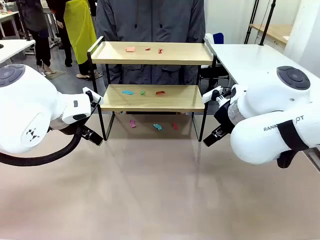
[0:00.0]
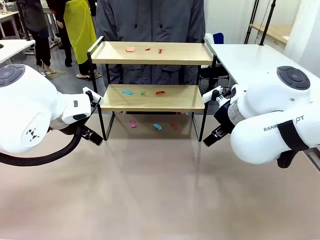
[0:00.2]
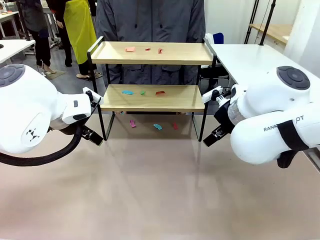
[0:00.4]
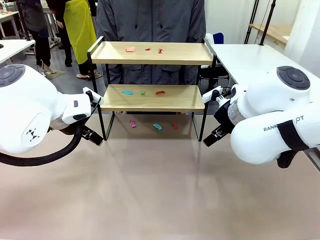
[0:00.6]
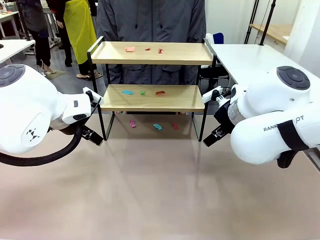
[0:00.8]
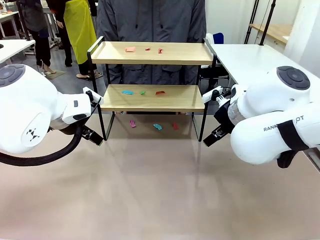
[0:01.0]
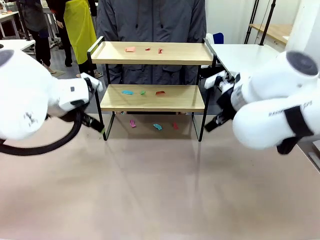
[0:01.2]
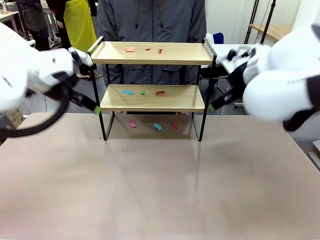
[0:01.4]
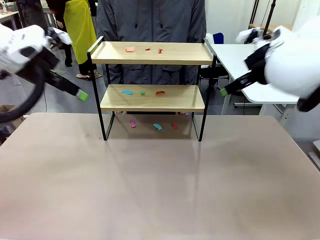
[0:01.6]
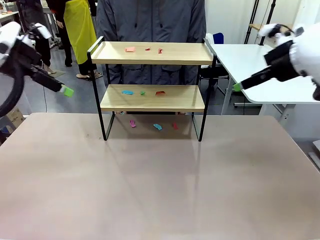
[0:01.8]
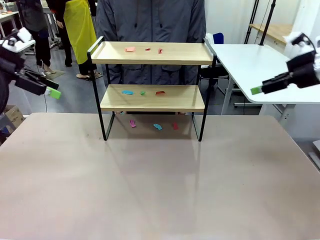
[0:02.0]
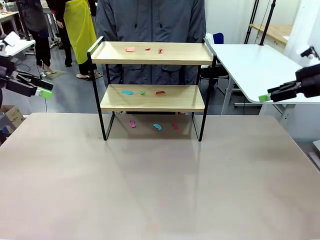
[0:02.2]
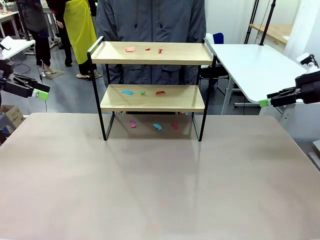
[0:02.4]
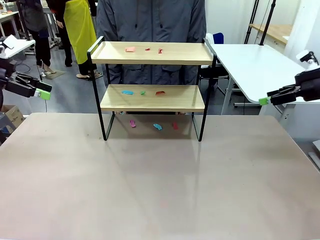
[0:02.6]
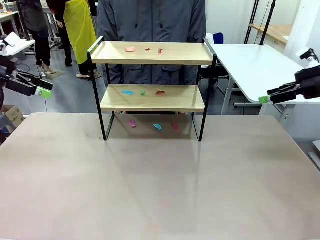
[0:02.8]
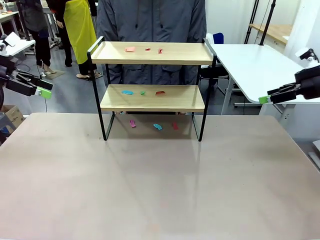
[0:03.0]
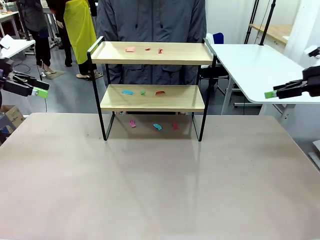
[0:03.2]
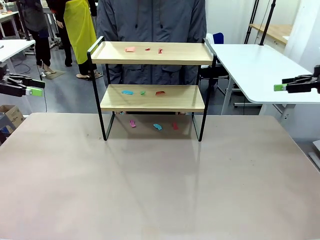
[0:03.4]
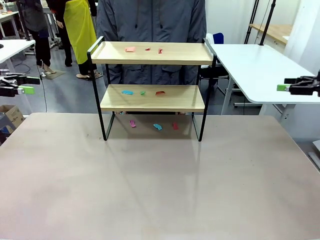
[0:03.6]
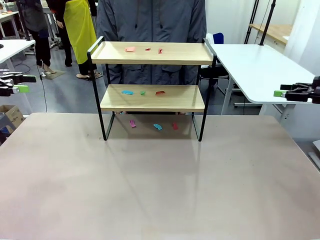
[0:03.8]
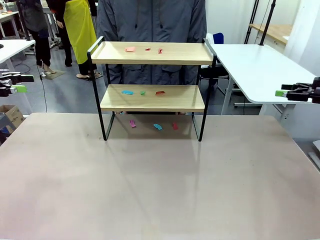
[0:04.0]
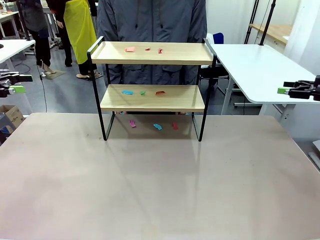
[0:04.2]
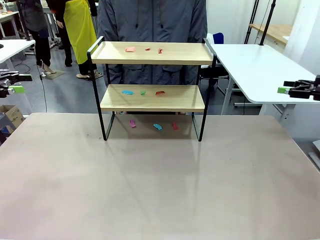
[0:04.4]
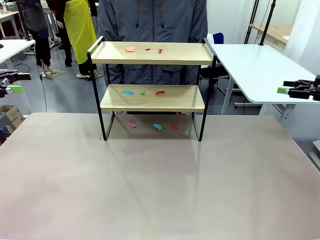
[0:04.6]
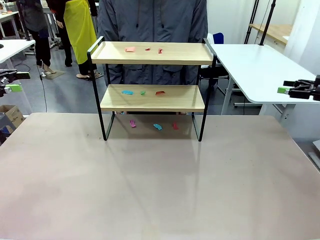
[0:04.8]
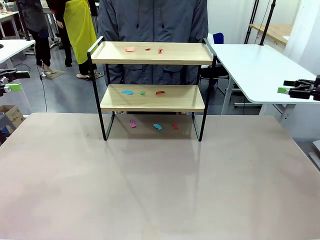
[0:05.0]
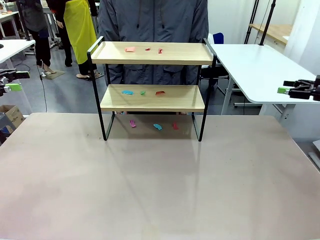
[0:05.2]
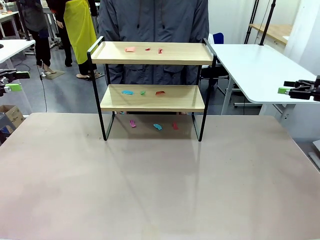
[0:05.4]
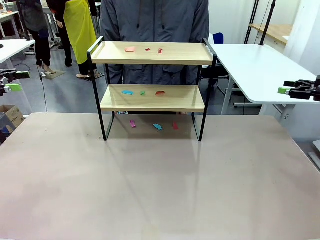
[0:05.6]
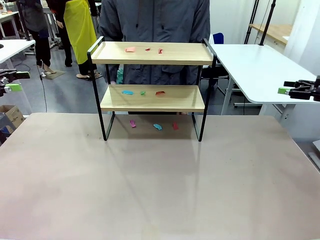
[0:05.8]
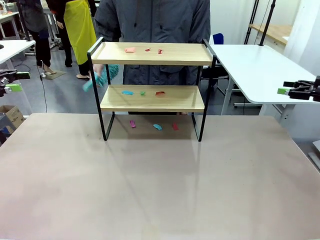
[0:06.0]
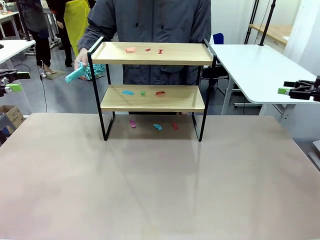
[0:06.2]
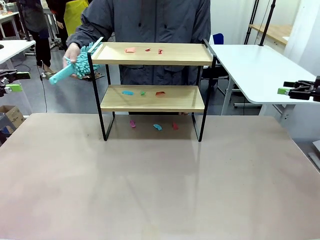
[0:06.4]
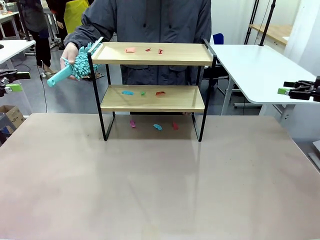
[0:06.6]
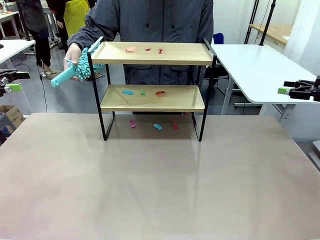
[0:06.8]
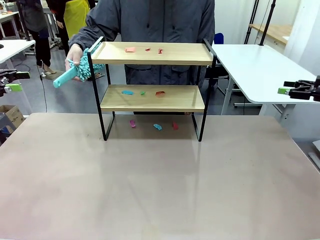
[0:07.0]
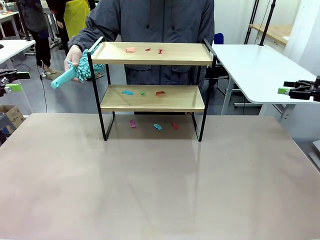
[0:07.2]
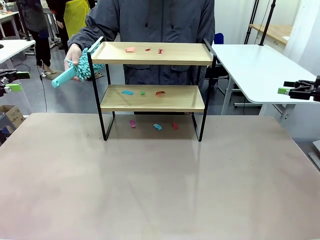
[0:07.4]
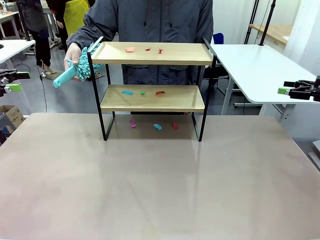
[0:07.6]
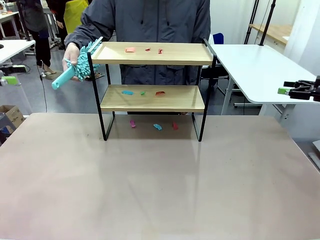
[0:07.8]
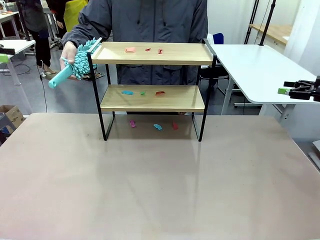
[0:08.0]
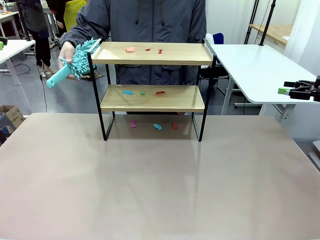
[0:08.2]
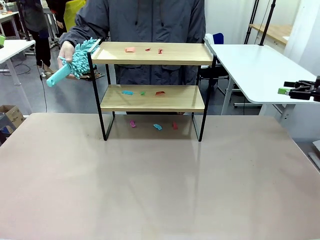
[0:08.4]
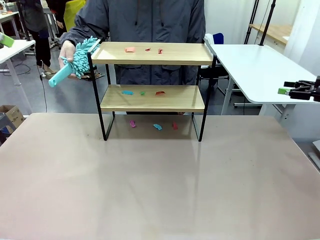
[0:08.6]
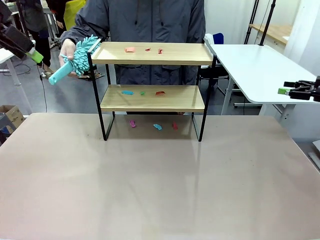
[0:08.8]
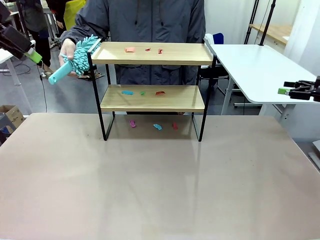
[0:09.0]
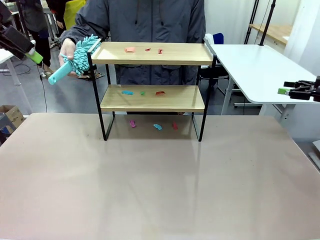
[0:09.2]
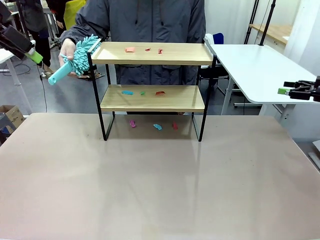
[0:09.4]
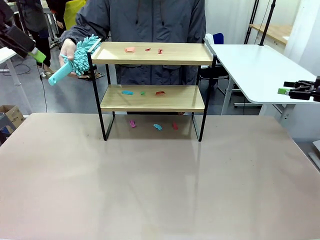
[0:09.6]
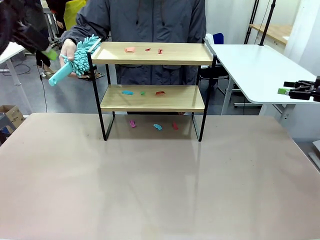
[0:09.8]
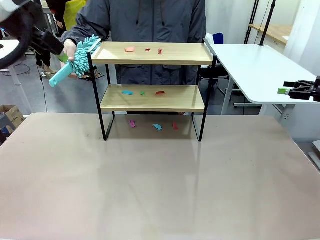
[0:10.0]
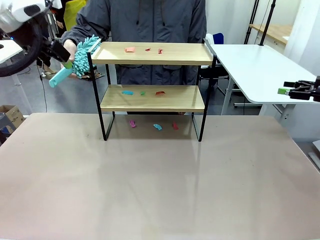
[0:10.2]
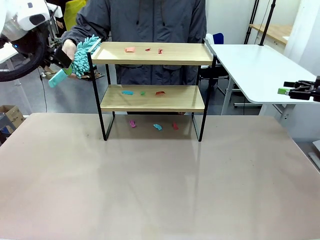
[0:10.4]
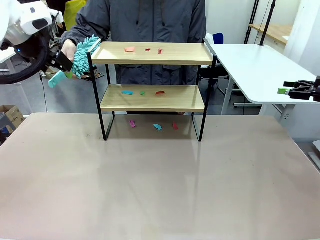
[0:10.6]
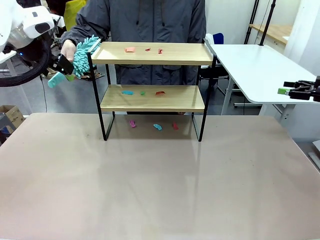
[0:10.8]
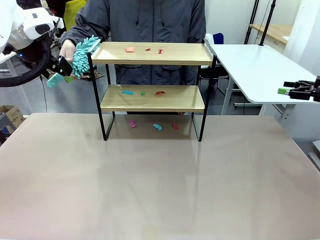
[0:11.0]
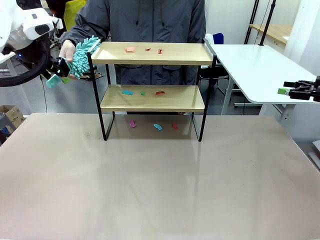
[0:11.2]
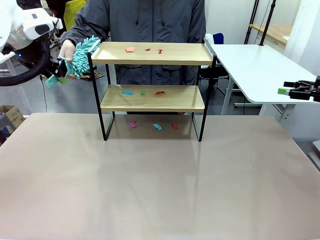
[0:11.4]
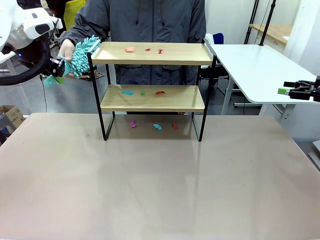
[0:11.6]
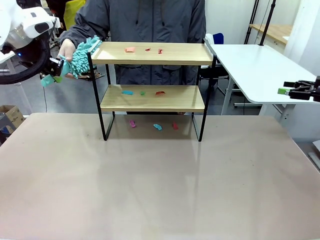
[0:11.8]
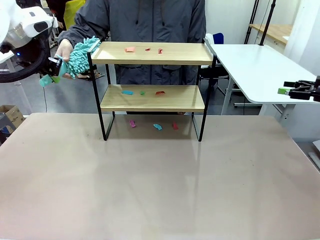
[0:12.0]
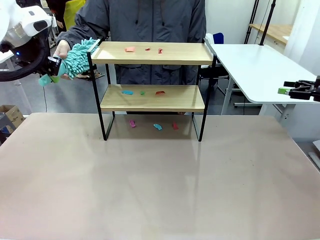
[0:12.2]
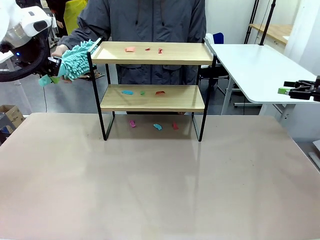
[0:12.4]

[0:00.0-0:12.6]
Task: Clean the shelf.
Robot: Pick up the Duster handed by the human.
Person: Hand the Duster to the robot.

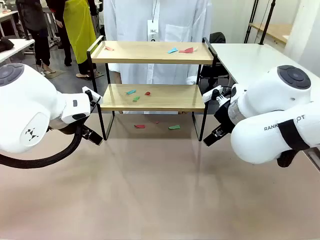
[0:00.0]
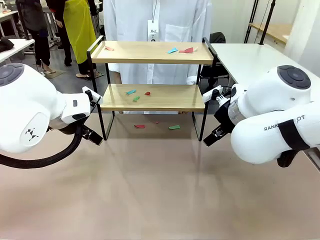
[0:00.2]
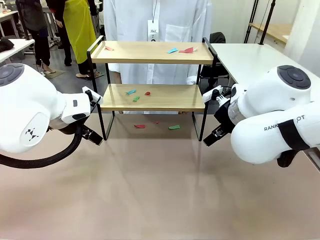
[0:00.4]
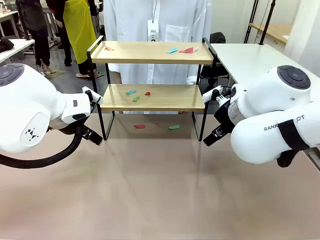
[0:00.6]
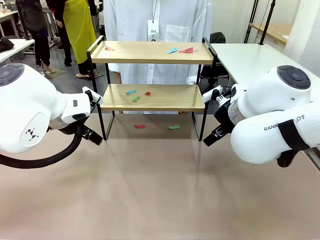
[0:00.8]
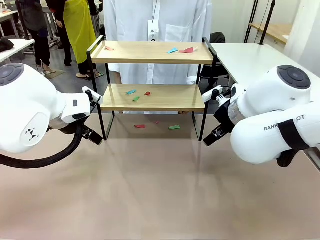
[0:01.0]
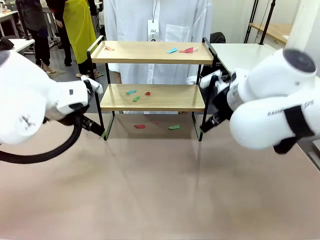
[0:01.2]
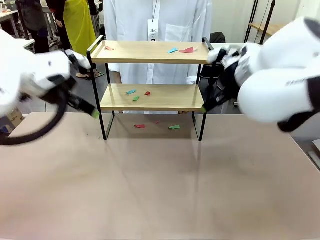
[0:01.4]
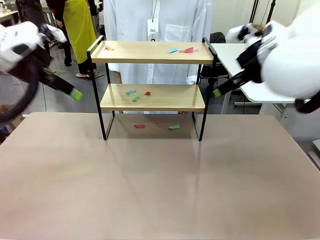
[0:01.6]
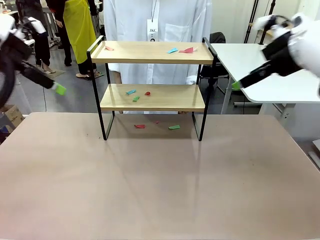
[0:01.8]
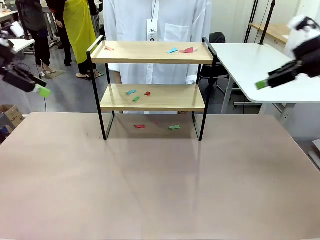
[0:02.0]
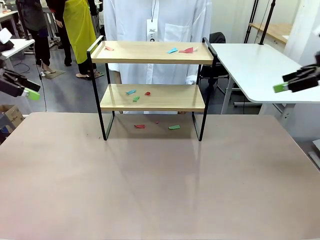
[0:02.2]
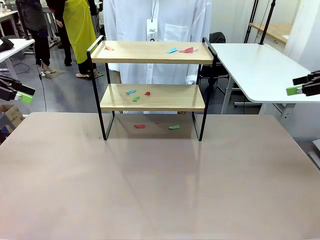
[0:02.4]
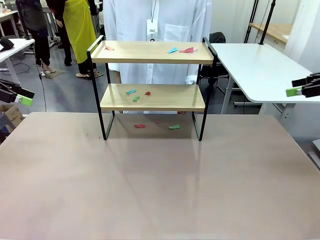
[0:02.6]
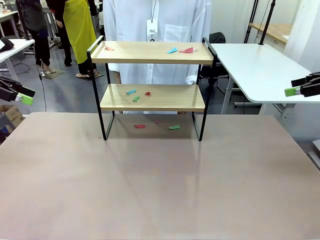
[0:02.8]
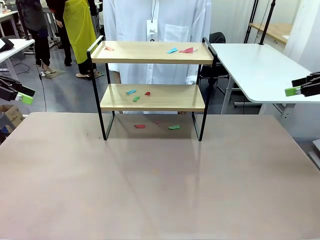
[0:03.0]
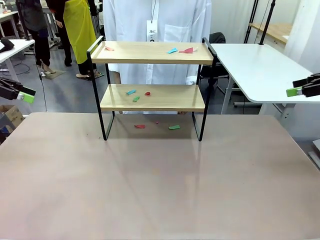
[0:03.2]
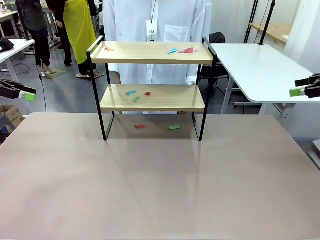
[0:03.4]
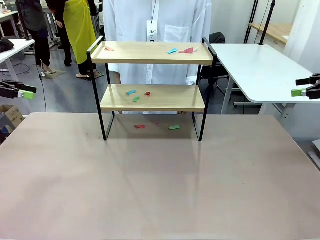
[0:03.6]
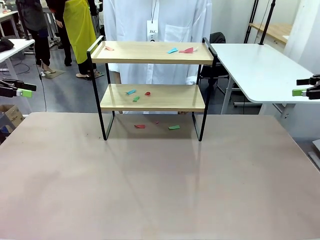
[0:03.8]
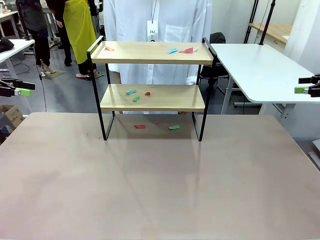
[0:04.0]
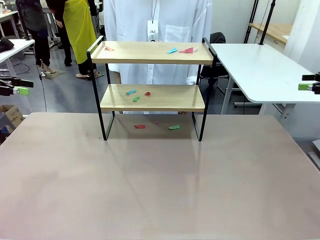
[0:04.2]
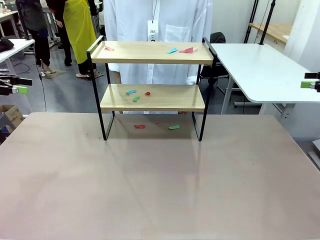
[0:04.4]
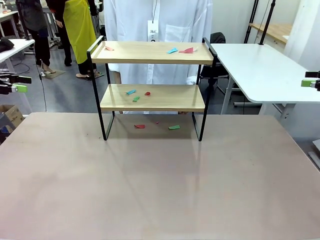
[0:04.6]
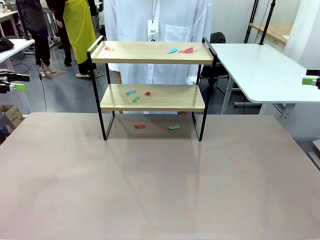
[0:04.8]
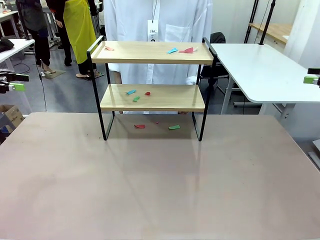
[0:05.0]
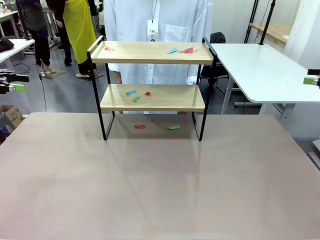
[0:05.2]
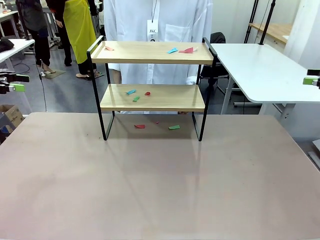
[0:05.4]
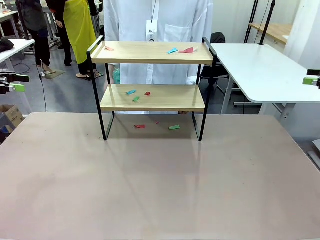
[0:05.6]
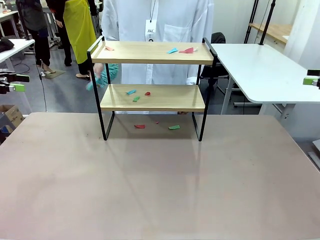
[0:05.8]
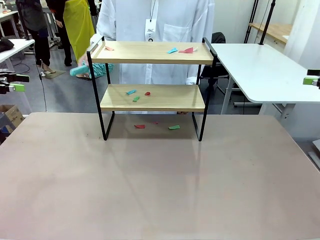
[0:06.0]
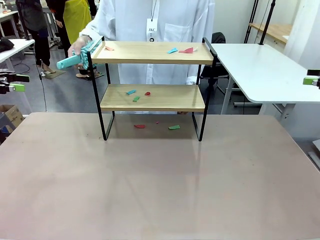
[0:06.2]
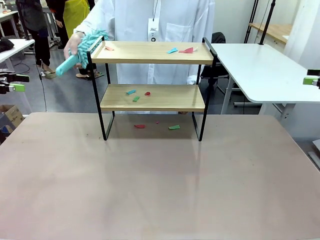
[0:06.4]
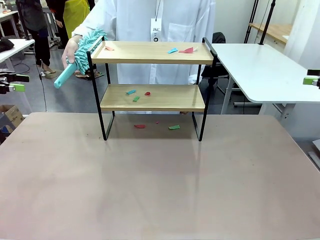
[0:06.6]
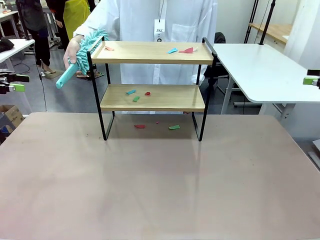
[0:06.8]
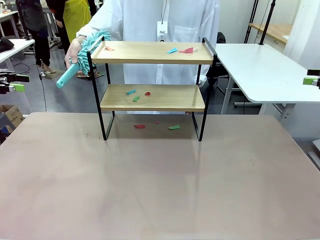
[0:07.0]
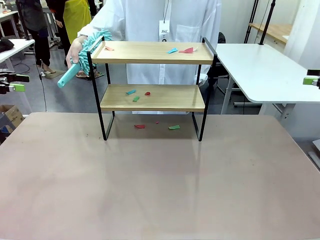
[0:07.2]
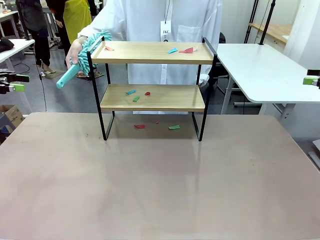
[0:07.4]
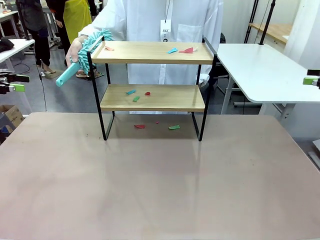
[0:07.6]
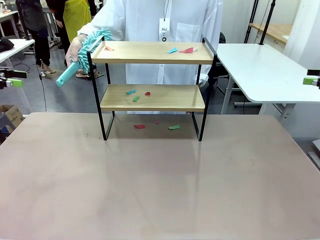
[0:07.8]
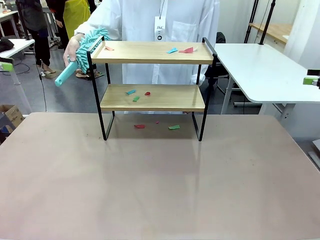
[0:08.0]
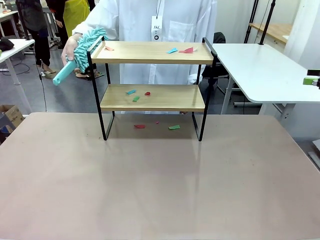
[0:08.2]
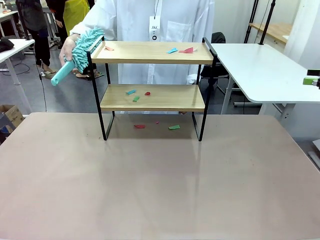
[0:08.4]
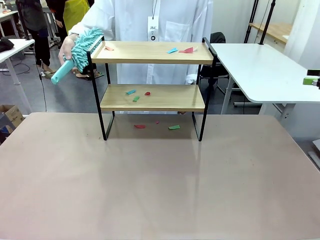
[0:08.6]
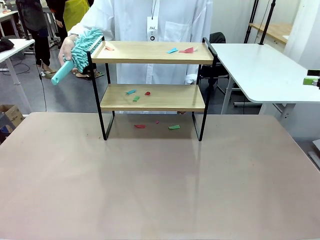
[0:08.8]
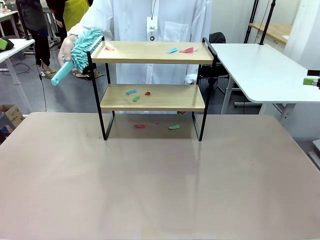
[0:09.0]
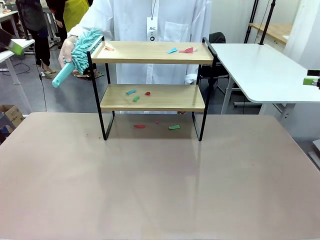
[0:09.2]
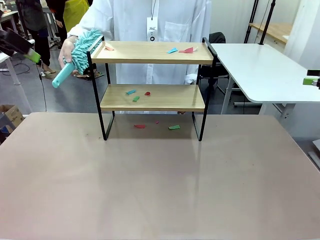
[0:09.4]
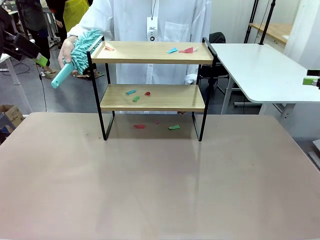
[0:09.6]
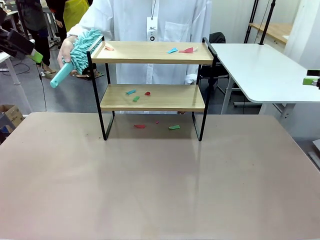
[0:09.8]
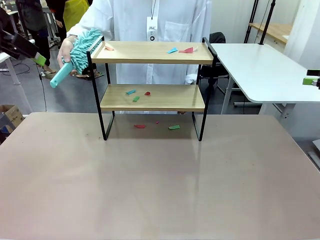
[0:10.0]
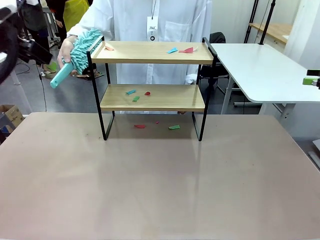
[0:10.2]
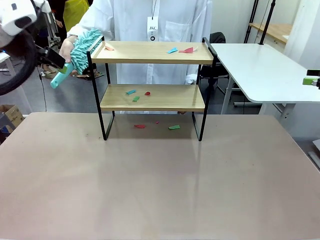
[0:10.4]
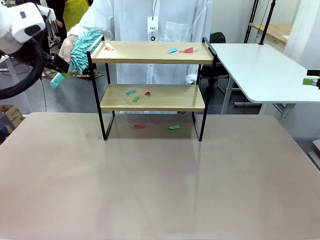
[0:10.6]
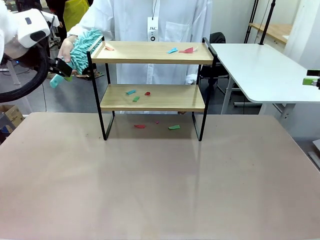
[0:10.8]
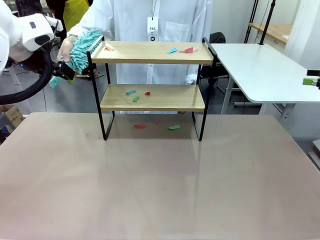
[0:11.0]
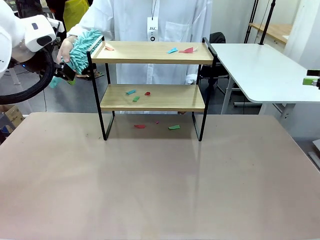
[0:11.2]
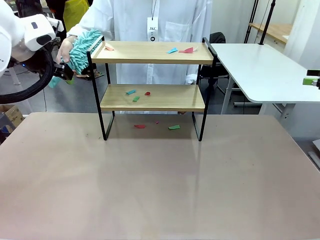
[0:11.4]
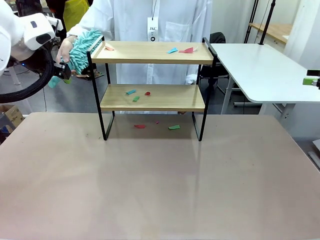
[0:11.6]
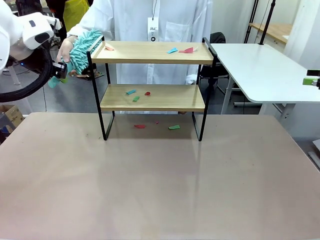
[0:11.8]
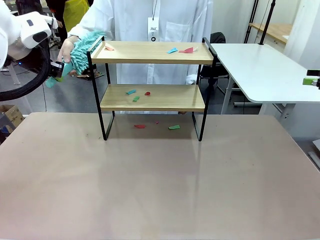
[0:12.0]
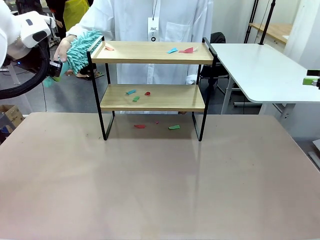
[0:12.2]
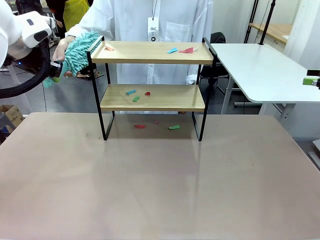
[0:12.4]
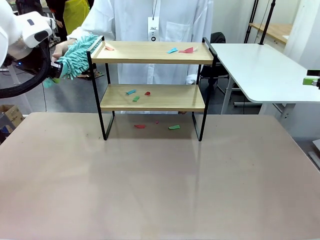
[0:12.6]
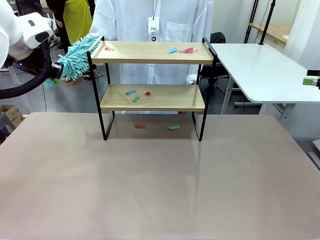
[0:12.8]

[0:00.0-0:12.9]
Task: Clean the shelf.
Robot: Pick up the Duster handed by the human.
Person: Hand the Duster to the robot.
